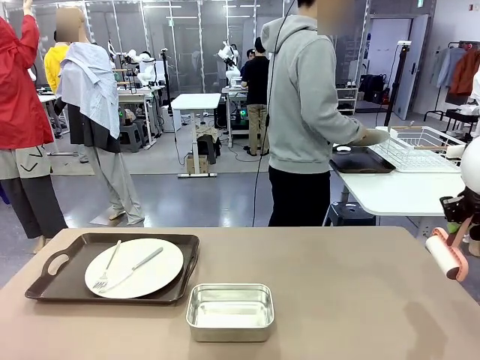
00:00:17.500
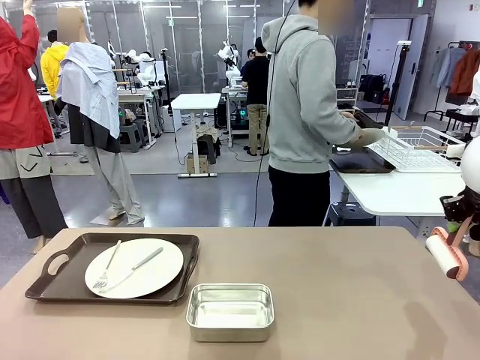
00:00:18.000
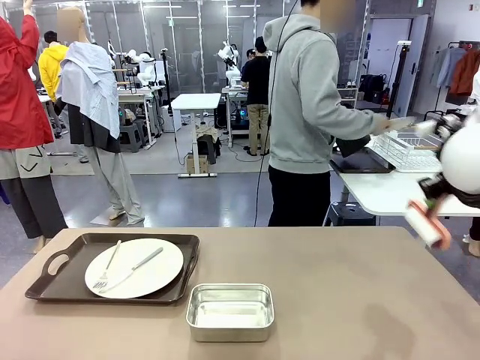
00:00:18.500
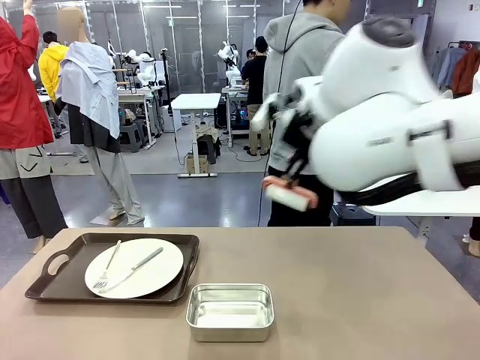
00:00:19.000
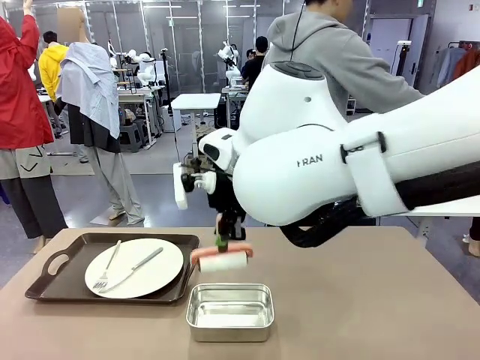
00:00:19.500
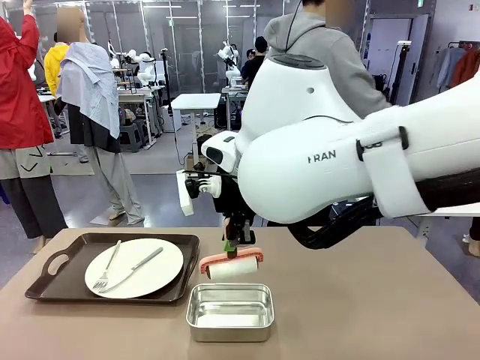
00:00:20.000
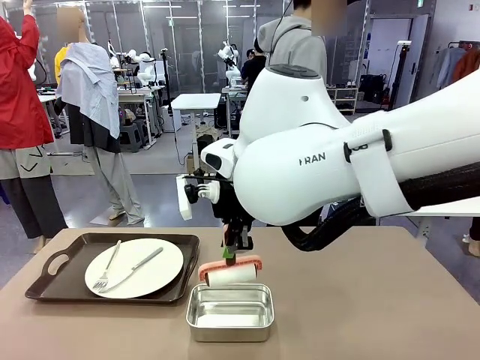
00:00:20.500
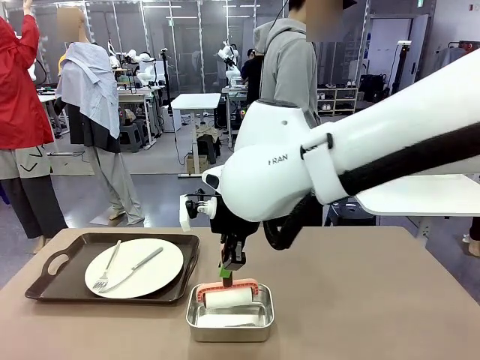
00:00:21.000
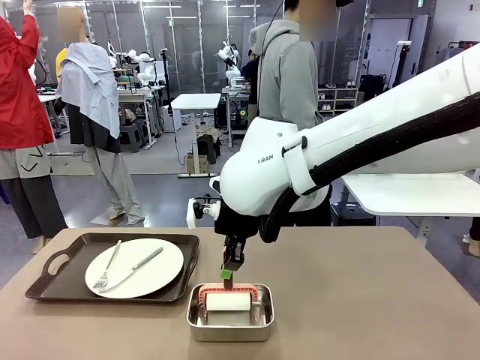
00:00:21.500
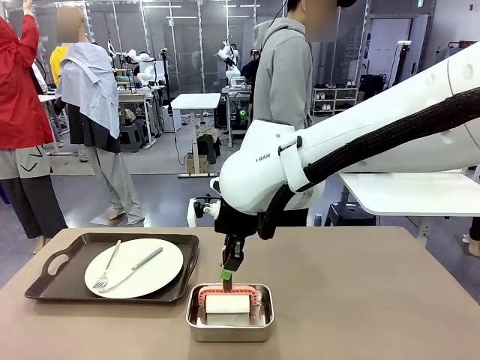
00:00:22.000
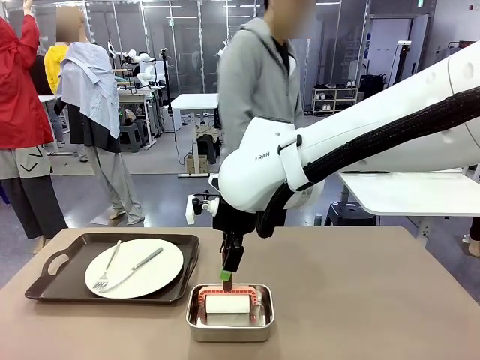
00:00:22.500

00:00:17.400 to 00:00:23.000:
Robot: Place the Lint Roller back on top of the Airtight Container.

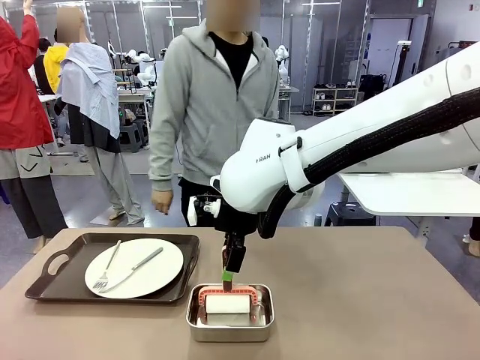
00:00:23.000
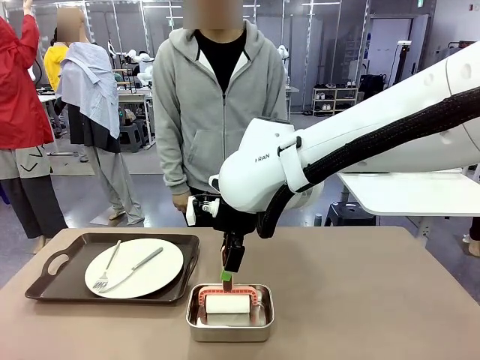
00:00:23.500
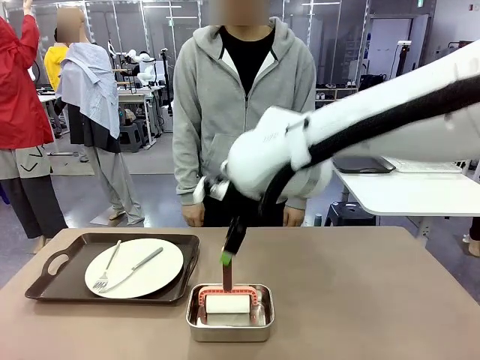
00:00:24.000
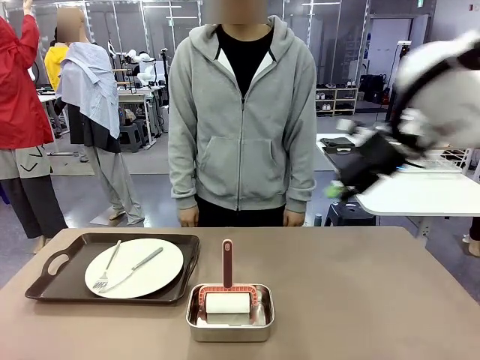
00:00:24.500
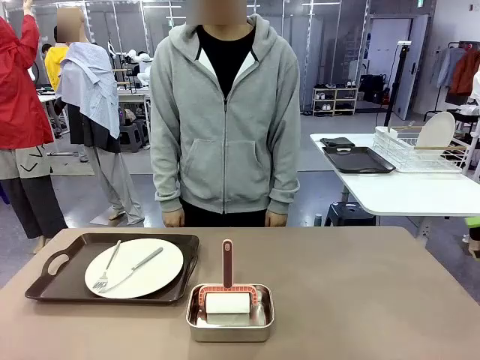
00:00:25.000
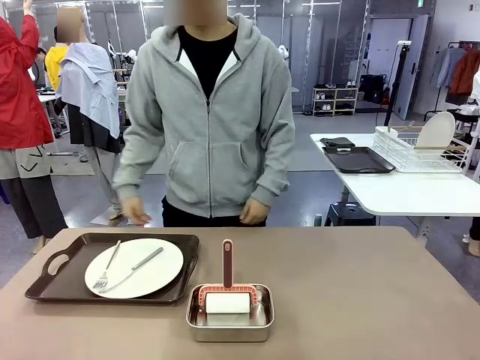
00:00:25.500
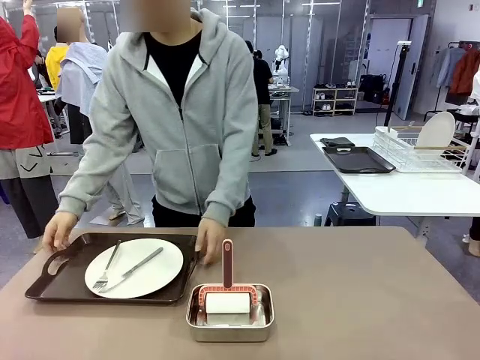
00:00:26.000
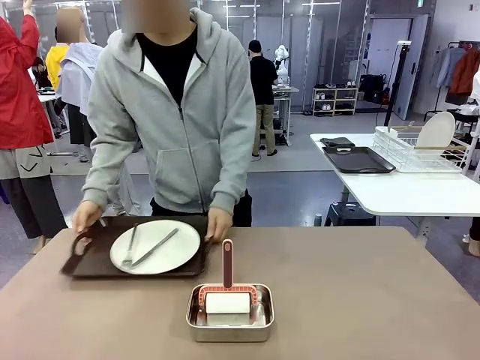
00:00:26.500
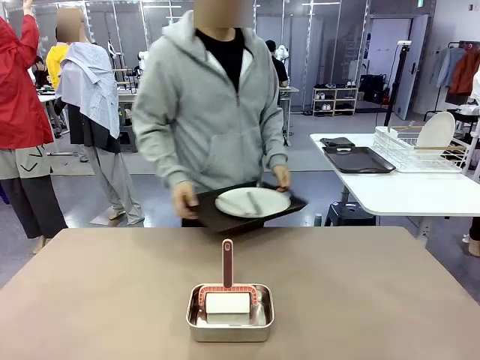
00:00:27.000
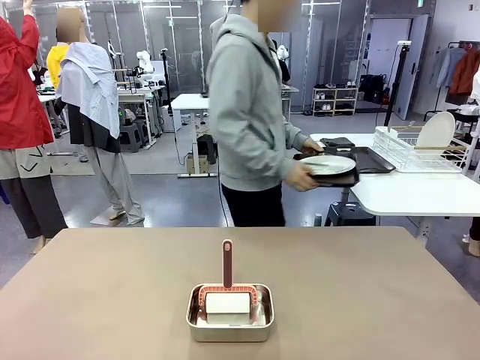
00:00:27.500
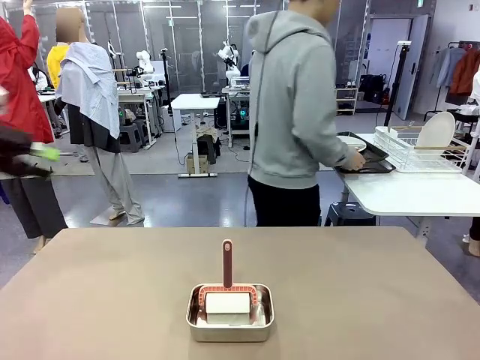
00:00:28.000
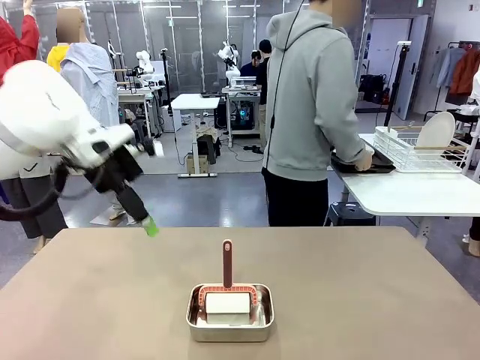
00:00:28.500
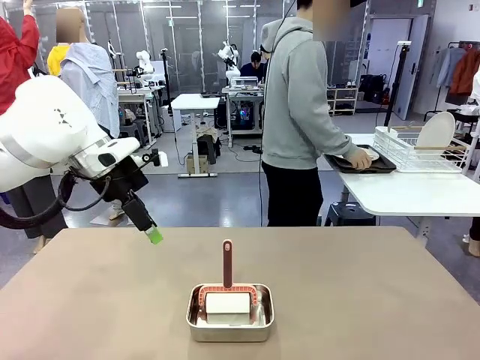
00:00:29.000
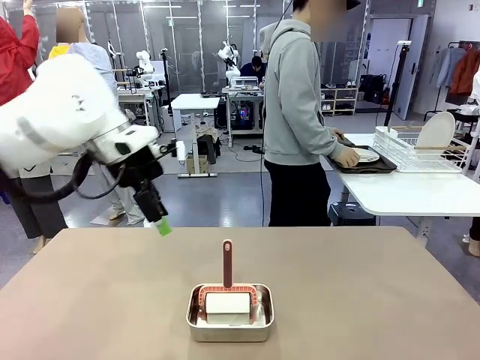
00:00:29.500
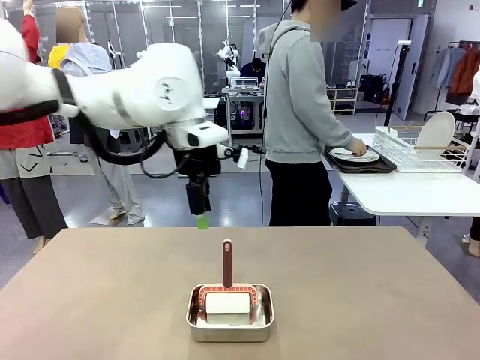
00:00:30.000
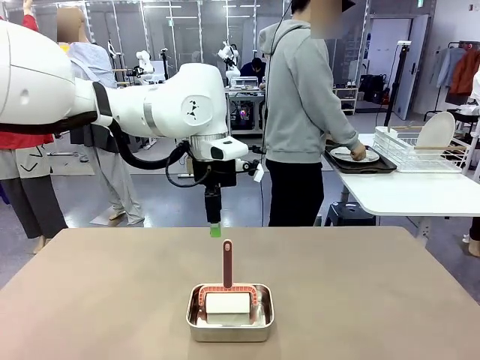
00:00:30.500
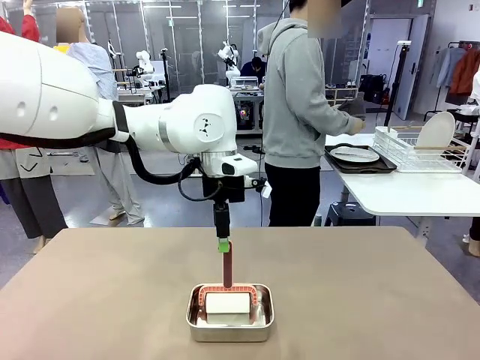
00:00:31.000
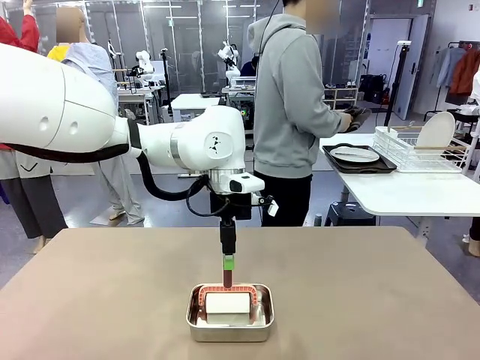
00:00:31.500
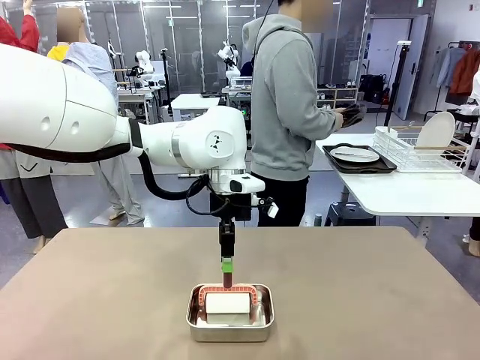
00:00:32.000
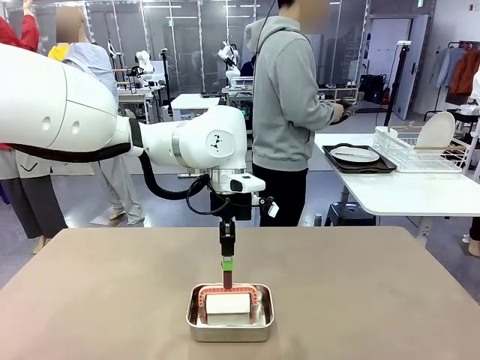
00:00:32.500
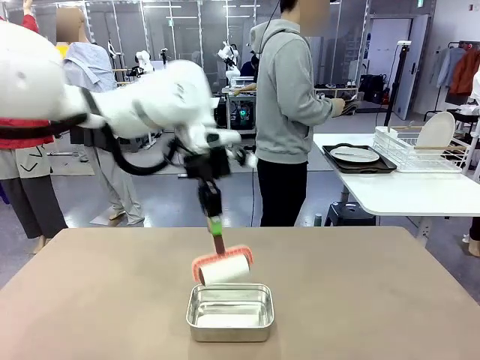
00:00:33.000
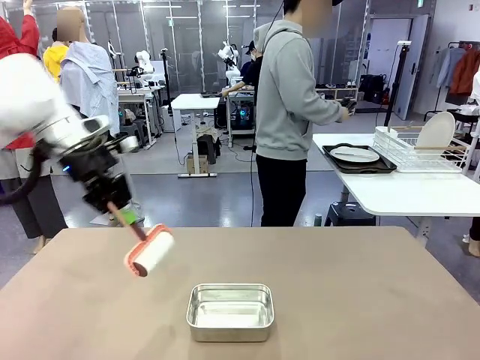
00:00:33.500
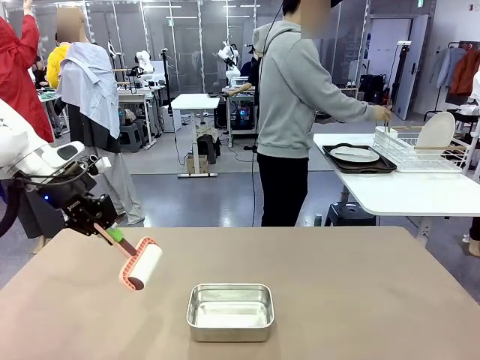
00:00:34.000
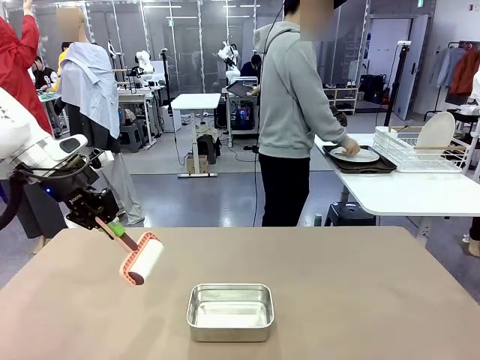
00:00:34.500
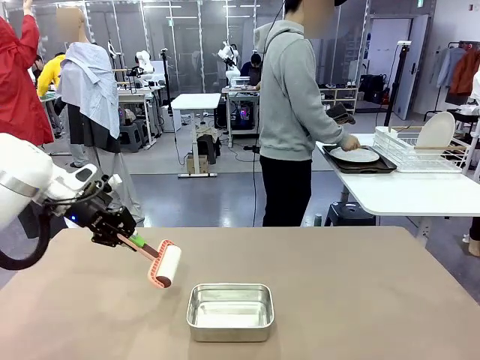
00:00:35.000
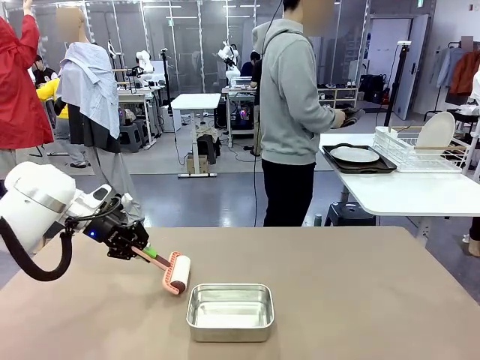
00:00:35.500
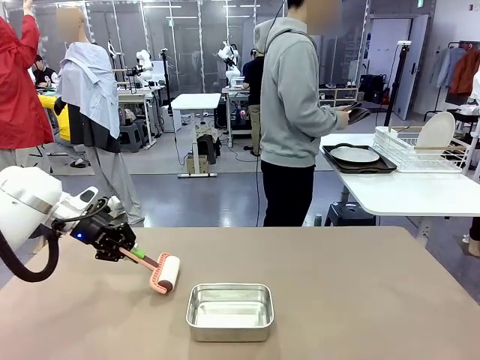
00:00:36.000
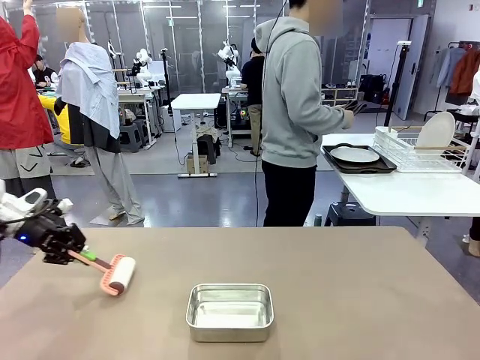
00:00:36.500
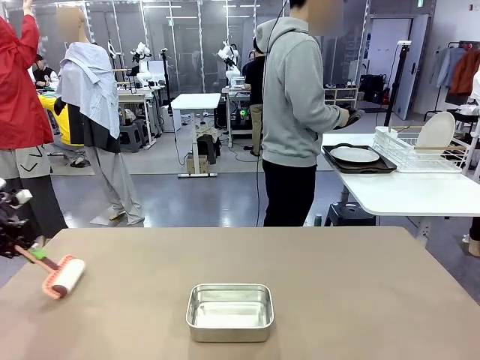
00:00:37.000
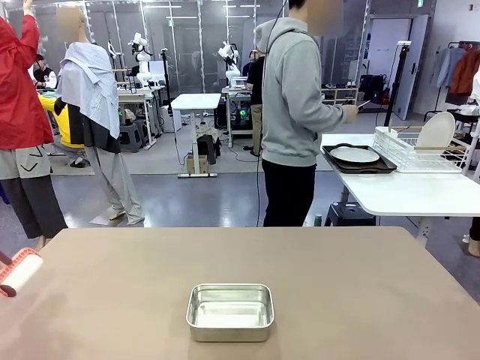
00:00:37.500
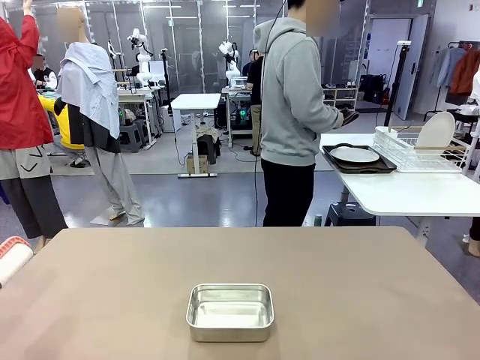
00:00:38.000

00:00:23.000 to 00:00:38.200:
Robot: When the right (or left) Handle tray is removed, use the right hand (or left hand) to clean the right (or left) side of the table with the Lint Roller.
Person: Pick up the left (or right) Handle tray and place it on the Handle tray.

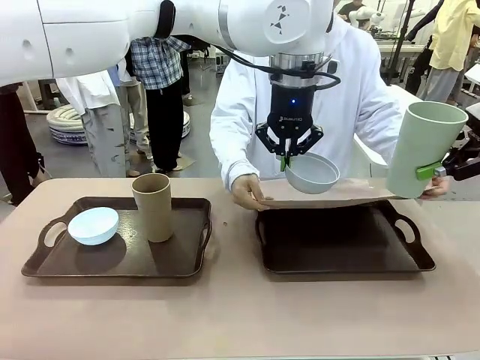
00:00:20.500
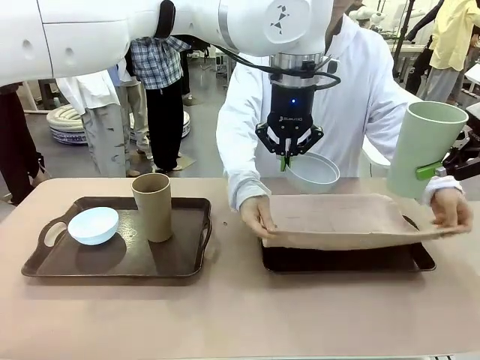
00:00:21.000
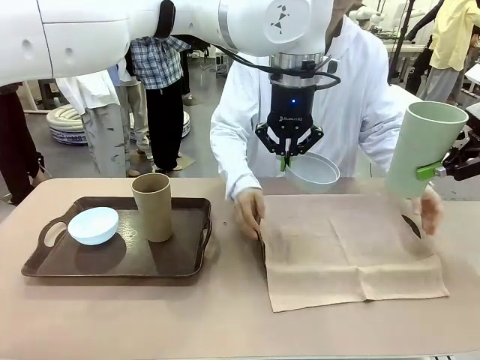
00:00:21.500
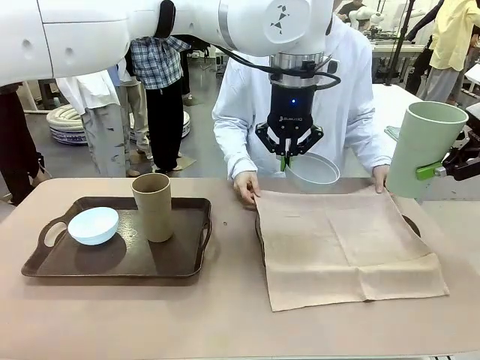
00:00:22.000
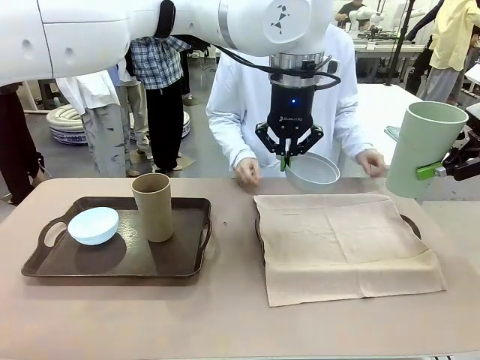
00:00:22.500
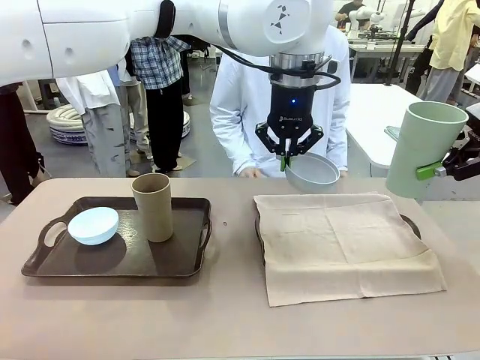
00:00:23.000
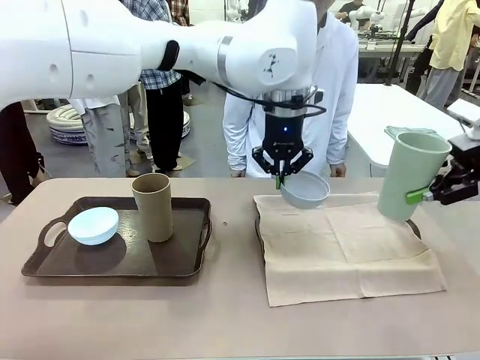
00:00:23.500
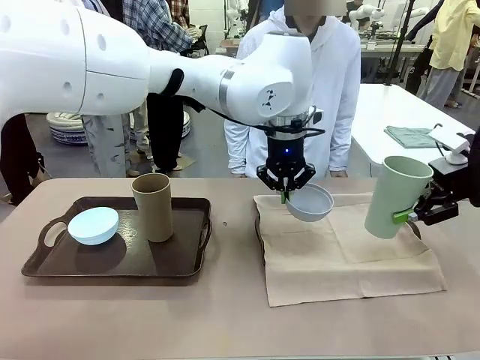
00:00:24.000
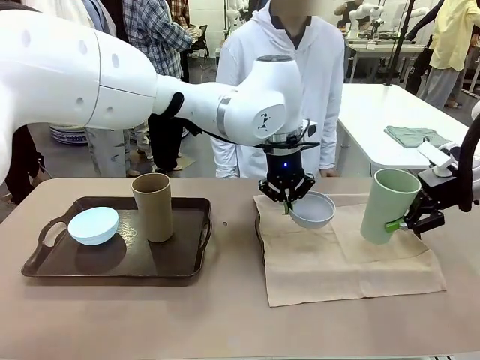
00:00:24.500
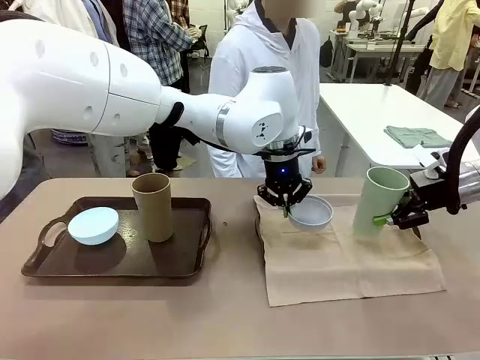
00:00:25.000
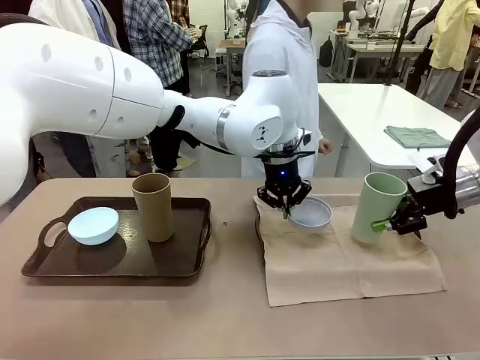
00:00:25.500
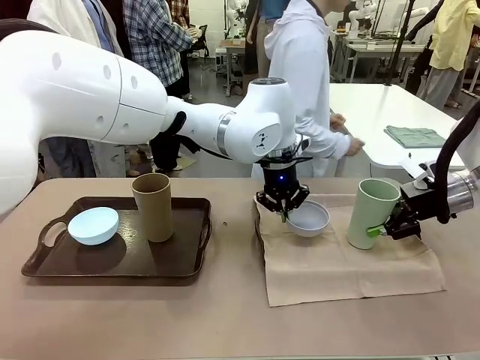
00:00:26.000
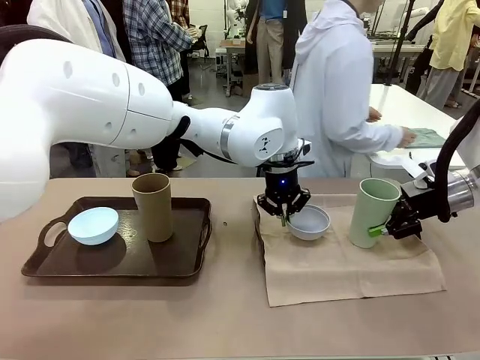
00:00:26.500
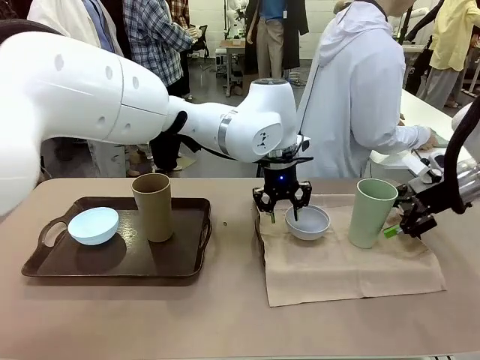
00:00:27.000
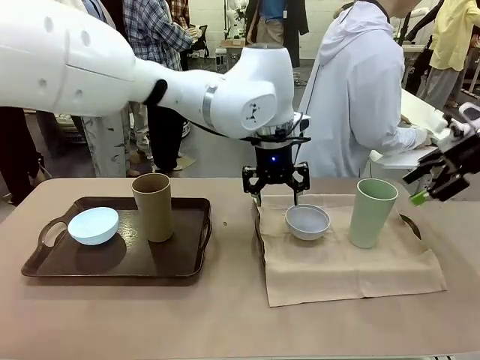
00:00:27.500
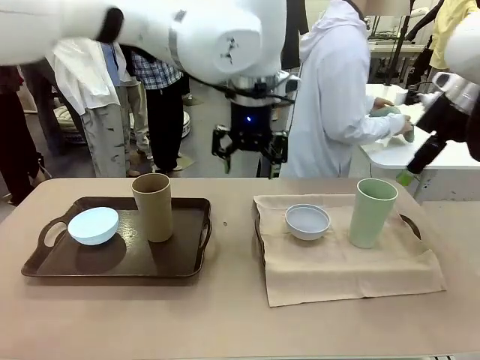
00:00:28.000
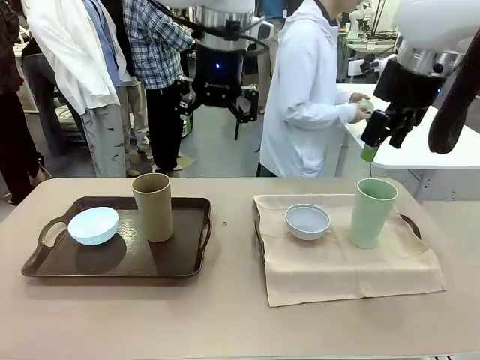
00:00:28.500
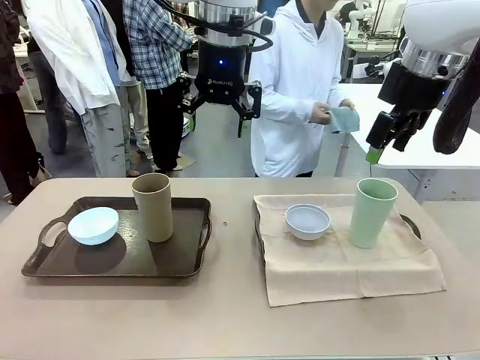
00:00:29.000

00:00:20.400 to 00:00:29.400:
Robot: Place the Picnic Bowl and Reusable plastic cup back onto the Handle tray in front of the human's position.
Person: The human returns to the human table to pick up another napkin and walks to the robot table to stand in front of the tray without a napkin.
